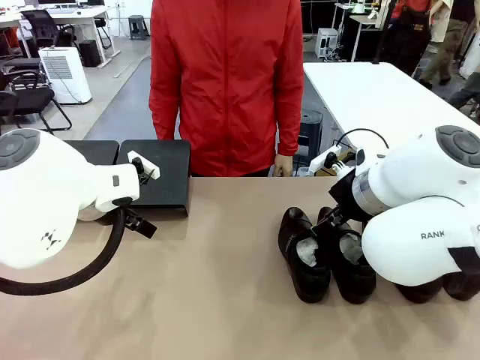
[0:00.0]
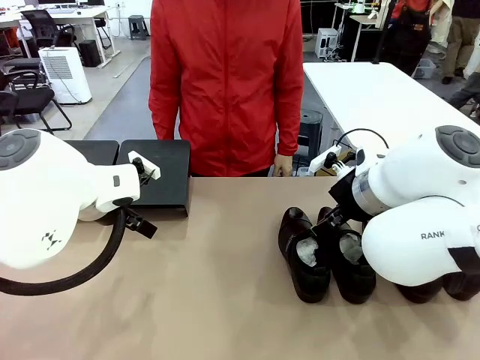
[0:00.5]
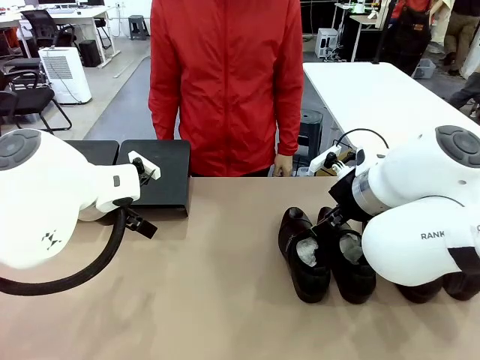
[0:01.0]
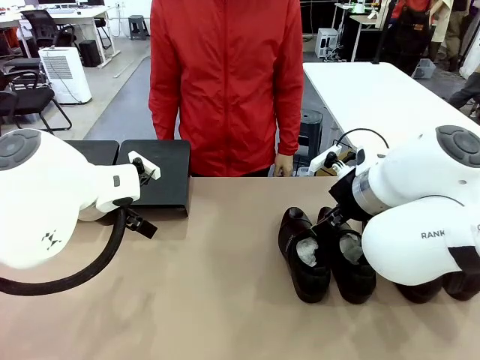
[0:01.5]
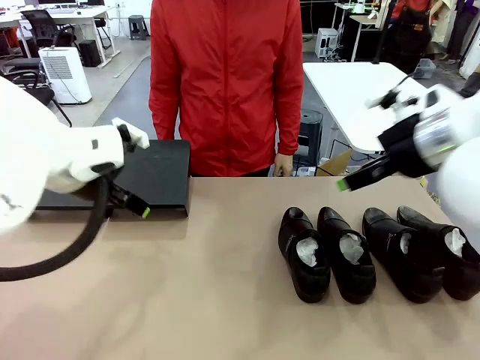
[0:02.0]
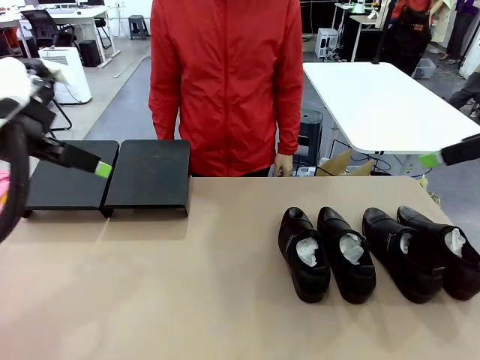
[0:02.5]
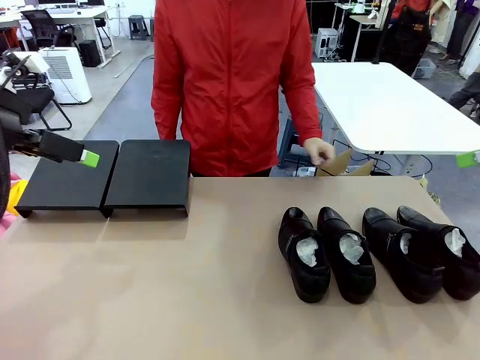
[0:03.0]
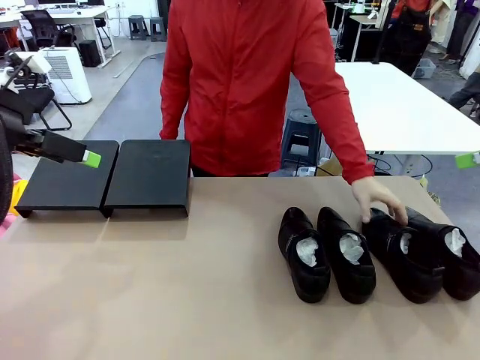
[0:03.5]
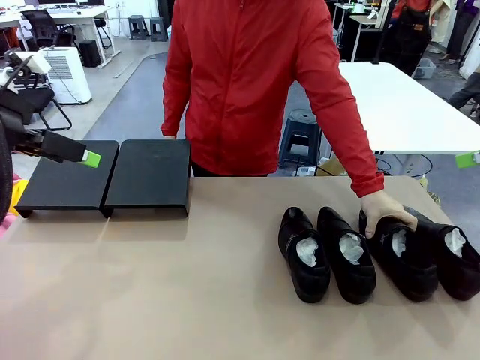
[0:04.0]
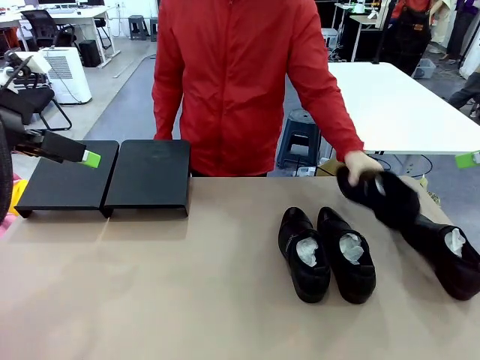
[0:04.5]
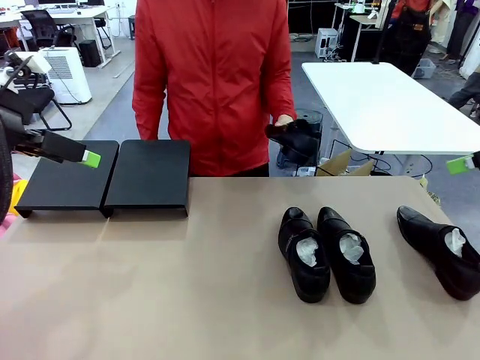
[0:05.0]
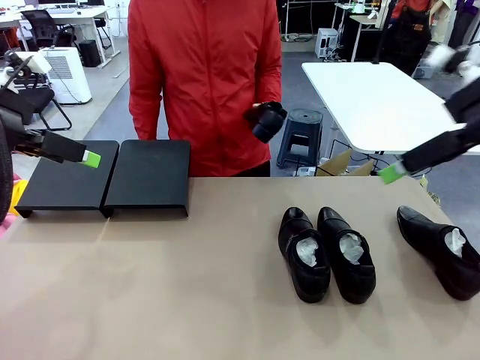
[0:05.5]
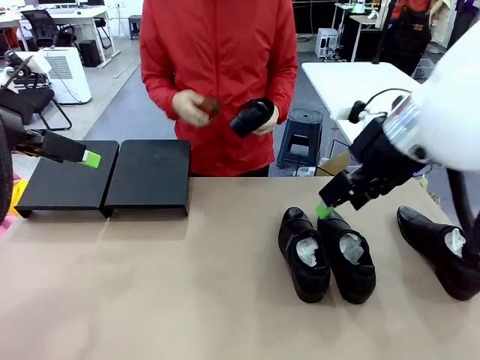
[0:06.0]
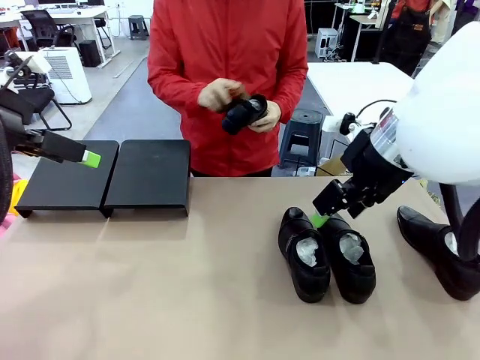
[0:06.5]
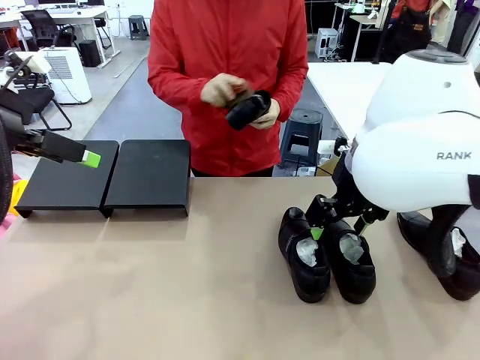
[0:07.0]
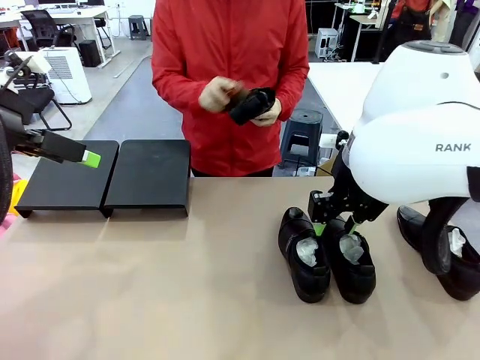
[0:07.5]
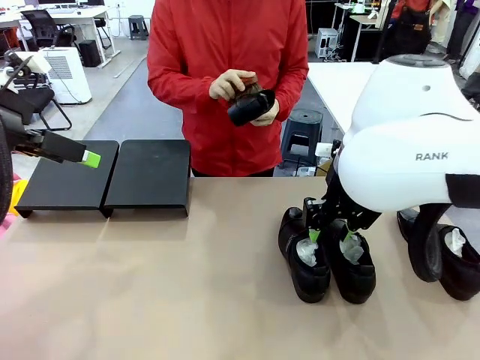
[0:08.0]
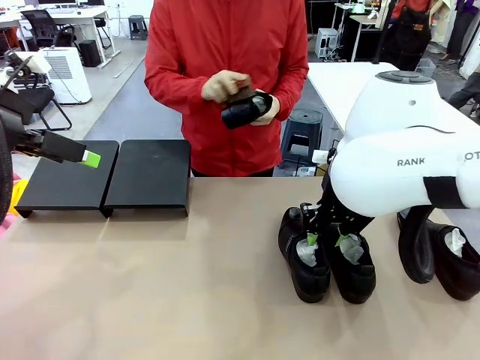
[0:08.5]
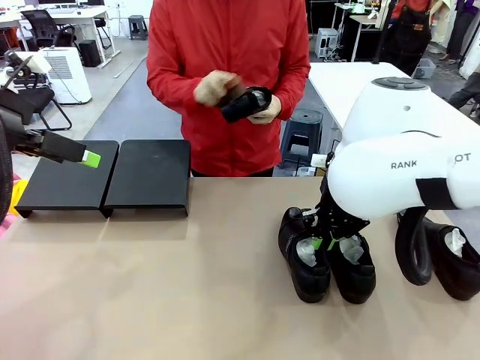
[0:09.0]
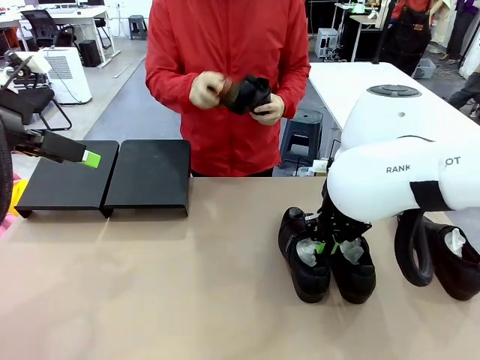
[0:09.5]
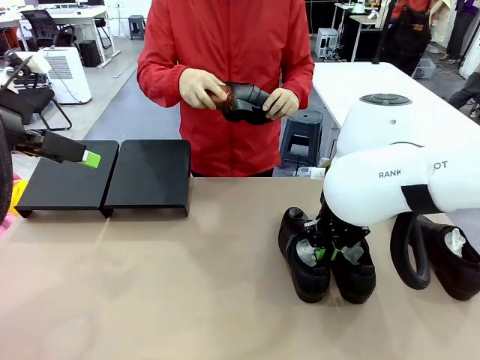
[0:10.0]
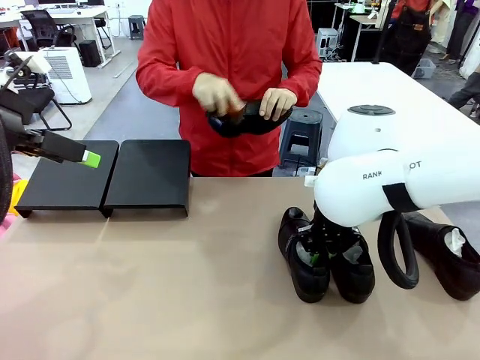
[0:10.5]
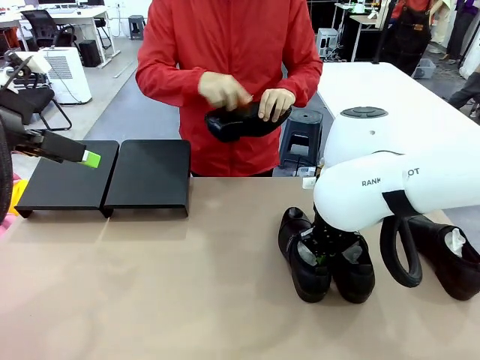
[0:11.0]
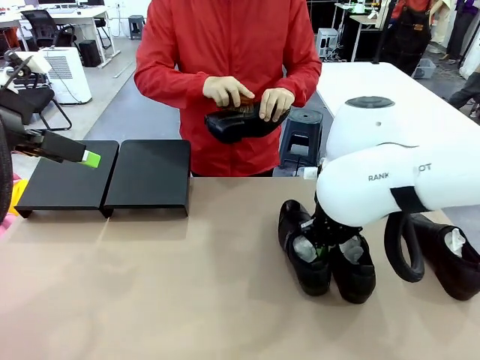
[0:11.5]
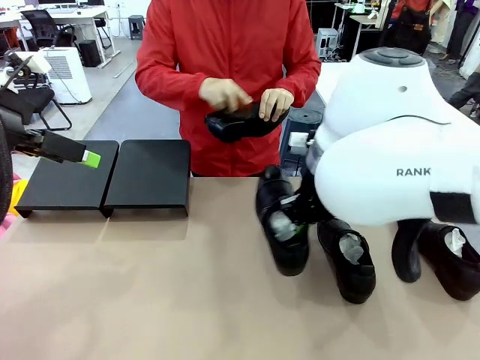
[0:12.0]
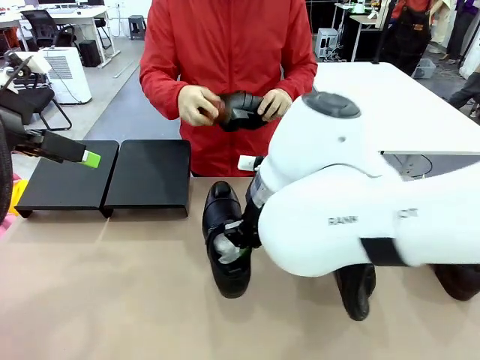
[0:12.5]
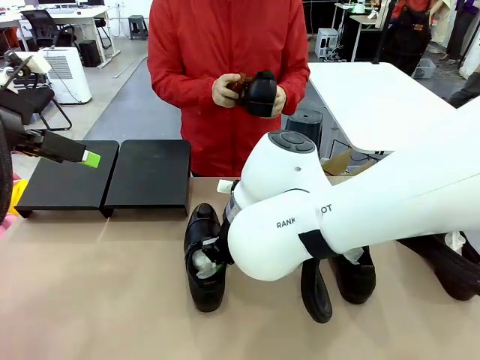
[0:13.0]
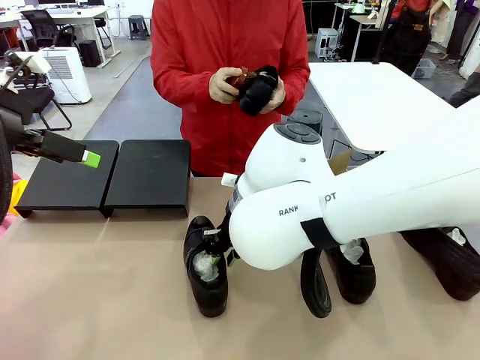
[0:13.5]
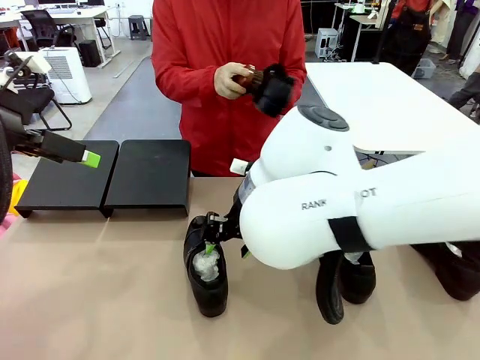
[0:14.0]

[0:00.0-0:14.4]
Task: Organize the shoes by placing them on the stand.
Robot: Pick up one Shoe and place it in the middle of the table.
Person: Pick one Shoe on Robot's table.

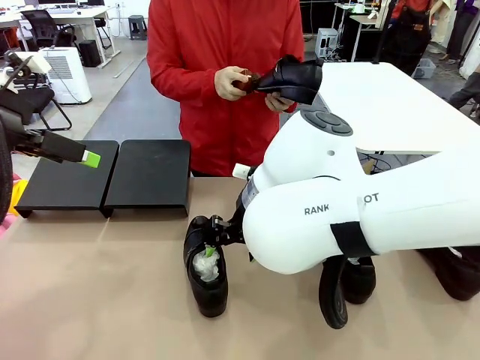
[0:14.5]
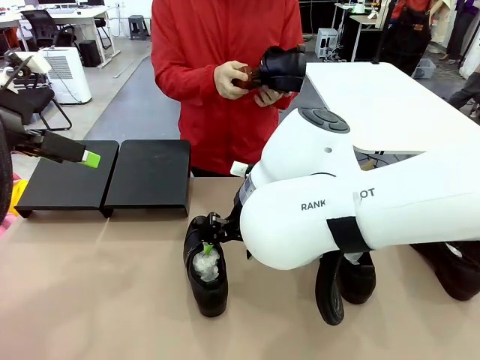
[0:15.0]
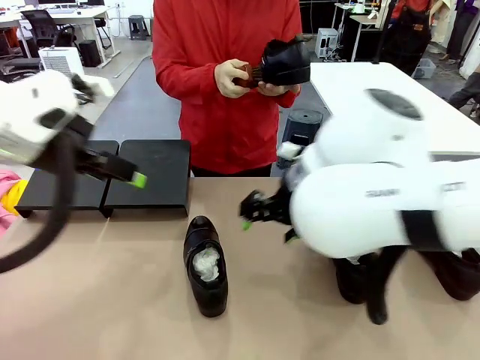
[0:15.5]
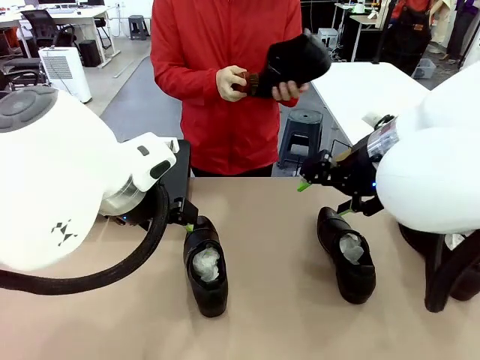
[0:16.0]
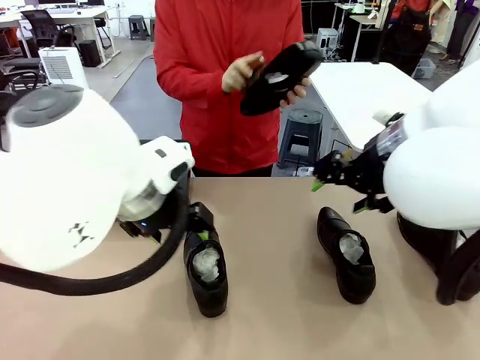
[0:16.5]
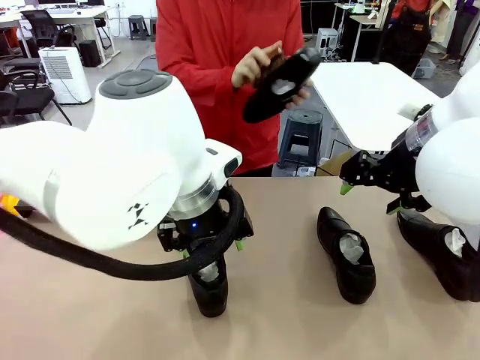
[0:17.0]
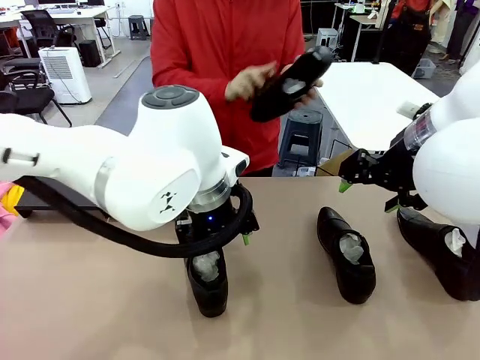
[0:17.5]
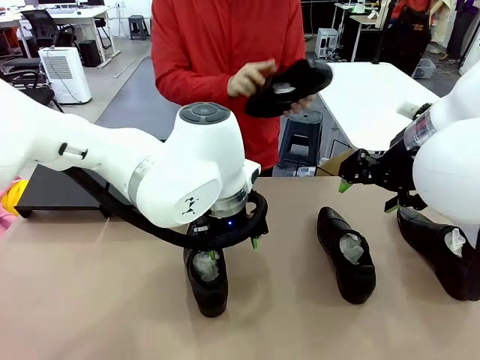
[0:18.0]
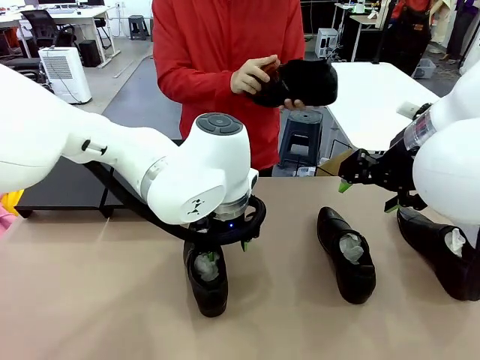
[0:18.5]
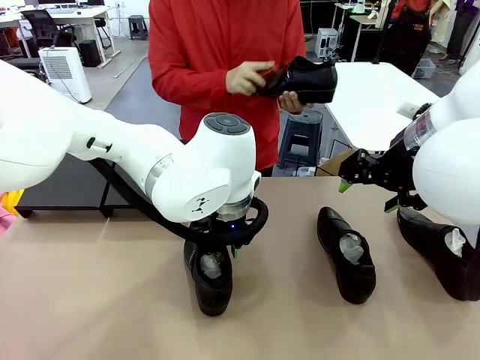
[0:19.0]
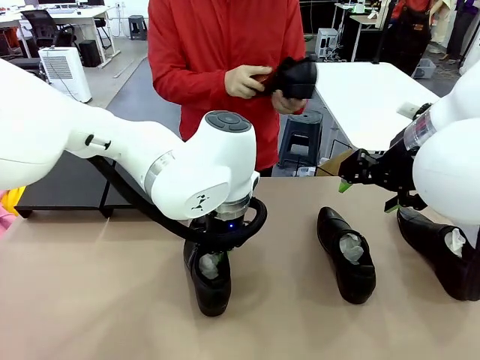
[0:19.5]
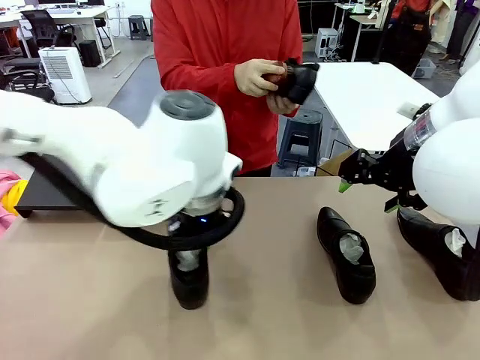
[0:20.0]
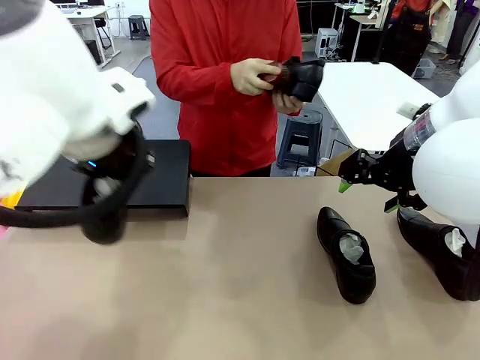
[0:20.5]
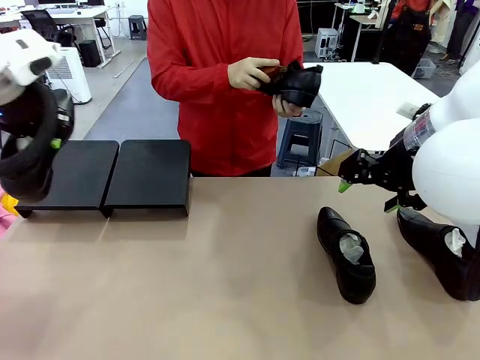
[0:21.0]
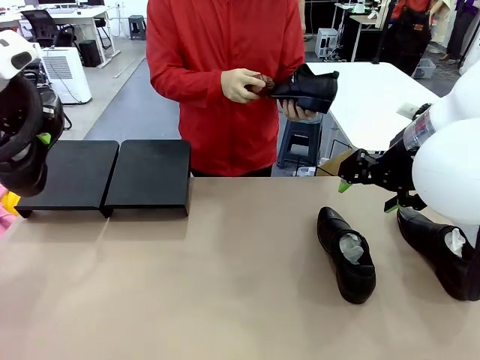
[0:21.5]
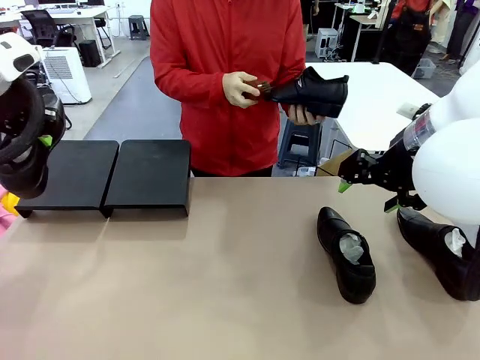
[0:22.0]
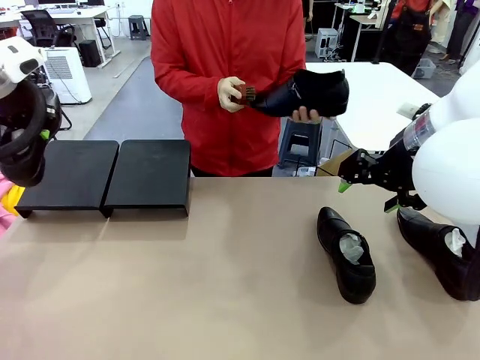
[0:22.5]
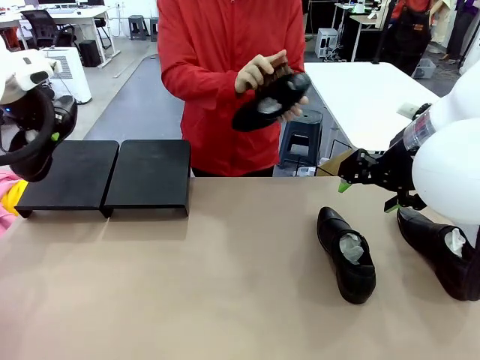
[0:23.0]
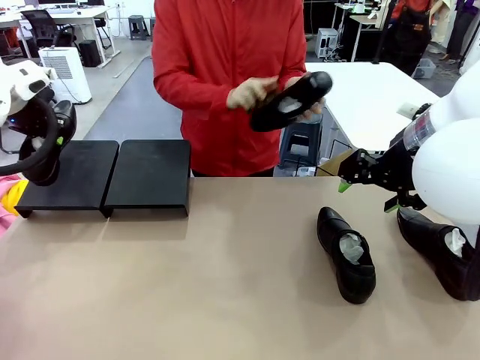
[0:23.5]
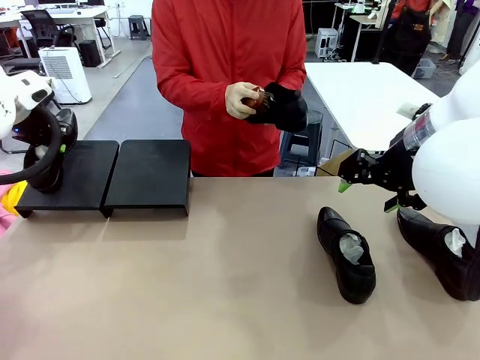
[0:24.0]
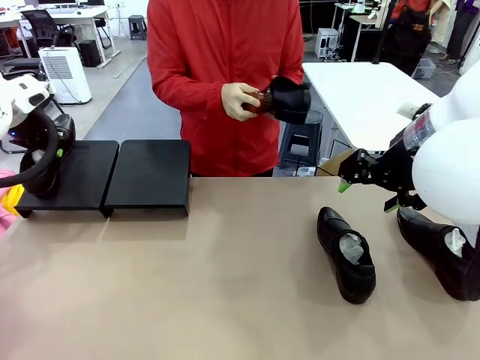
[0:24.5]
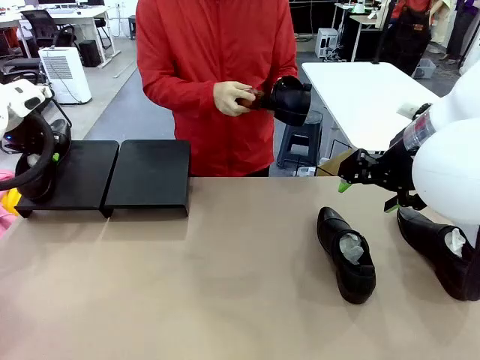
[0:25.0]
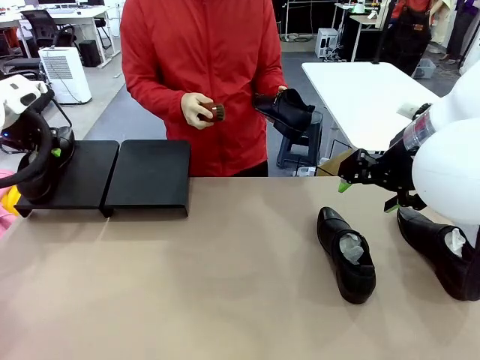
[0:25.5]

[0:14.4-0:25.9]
Robot: Place the Shoe from the middle of the table onto the Shoes Stand.
Person: Clean the Shoe with the Shoe Brush.
